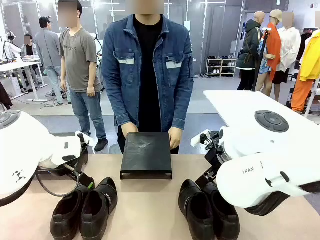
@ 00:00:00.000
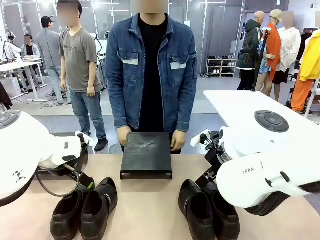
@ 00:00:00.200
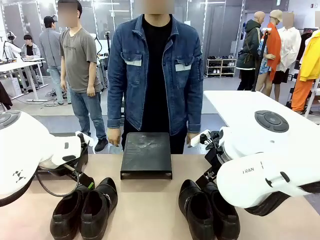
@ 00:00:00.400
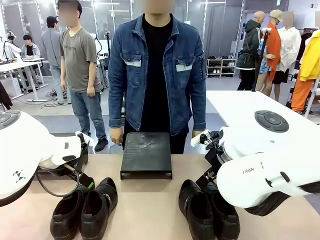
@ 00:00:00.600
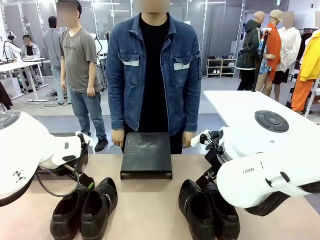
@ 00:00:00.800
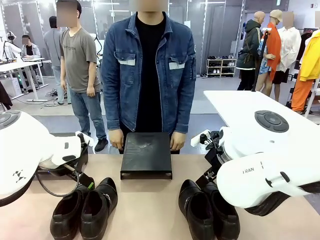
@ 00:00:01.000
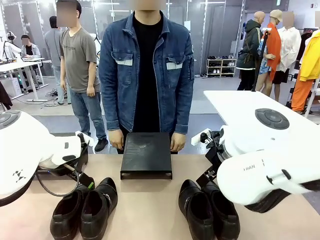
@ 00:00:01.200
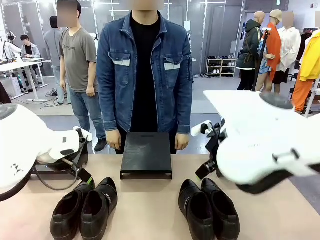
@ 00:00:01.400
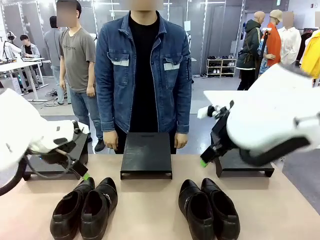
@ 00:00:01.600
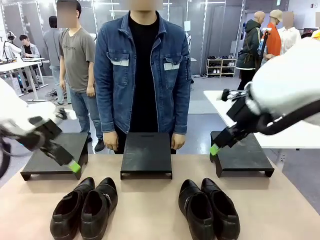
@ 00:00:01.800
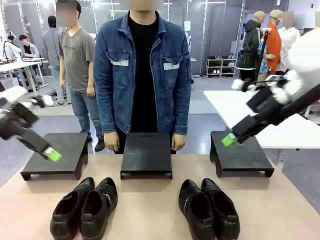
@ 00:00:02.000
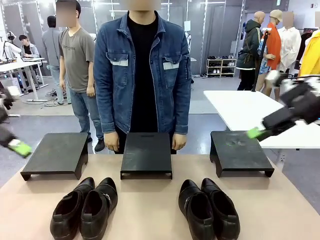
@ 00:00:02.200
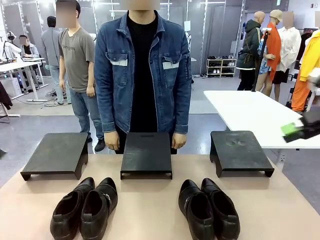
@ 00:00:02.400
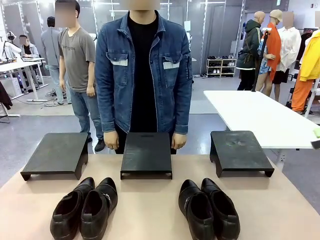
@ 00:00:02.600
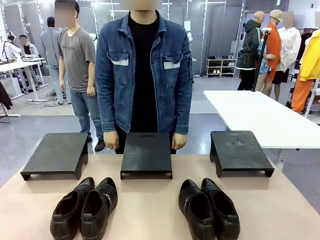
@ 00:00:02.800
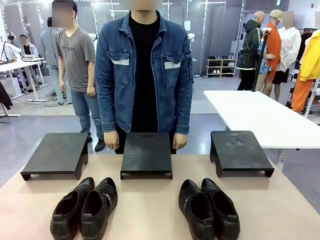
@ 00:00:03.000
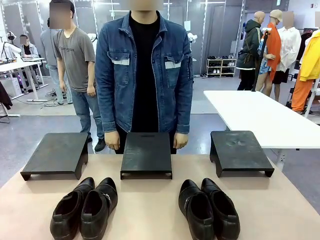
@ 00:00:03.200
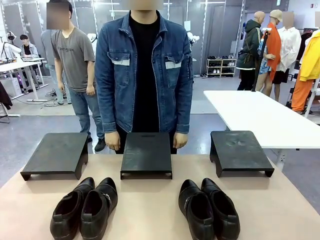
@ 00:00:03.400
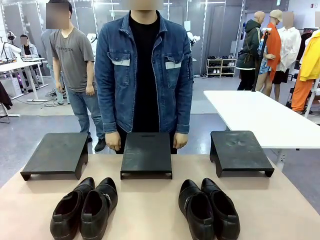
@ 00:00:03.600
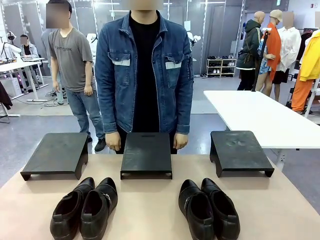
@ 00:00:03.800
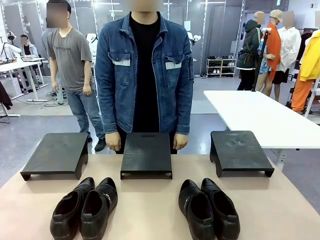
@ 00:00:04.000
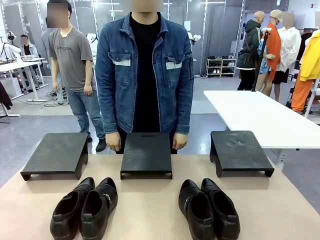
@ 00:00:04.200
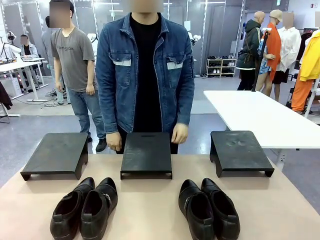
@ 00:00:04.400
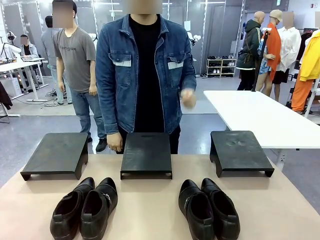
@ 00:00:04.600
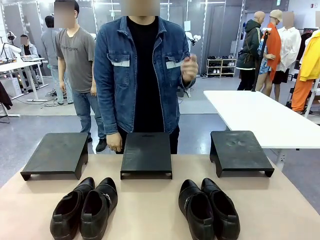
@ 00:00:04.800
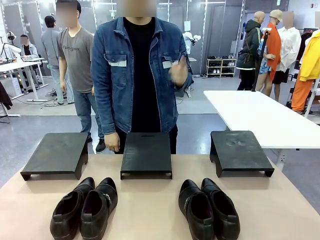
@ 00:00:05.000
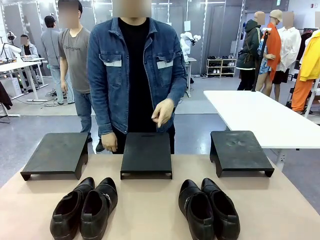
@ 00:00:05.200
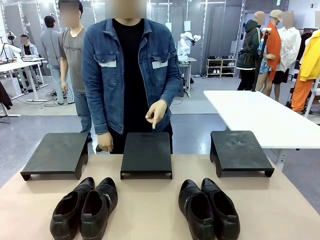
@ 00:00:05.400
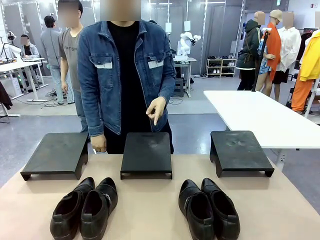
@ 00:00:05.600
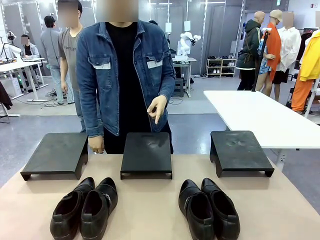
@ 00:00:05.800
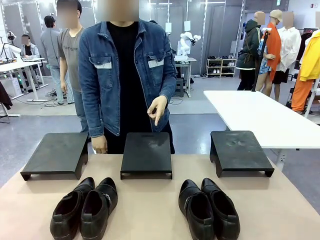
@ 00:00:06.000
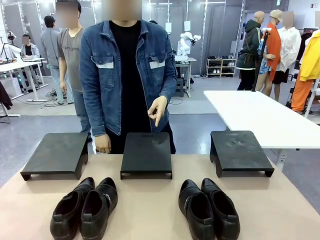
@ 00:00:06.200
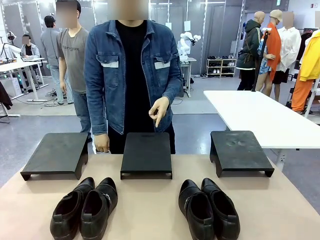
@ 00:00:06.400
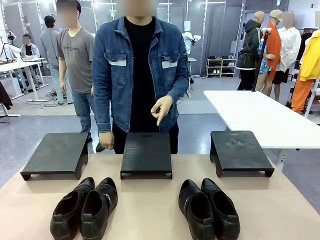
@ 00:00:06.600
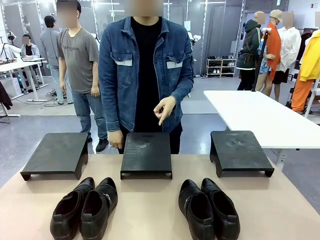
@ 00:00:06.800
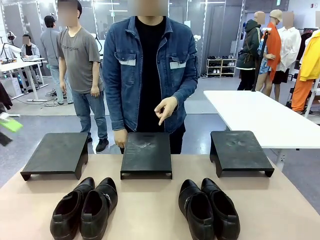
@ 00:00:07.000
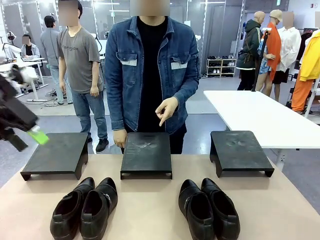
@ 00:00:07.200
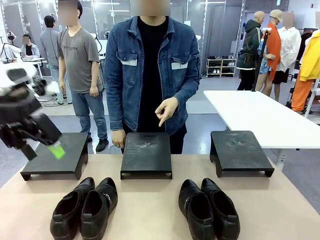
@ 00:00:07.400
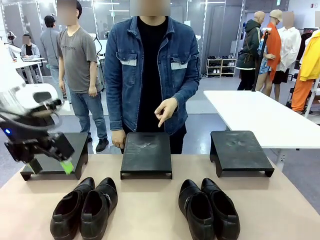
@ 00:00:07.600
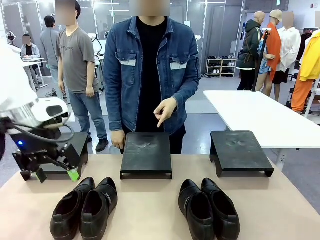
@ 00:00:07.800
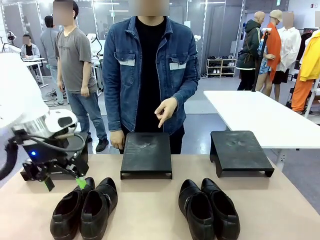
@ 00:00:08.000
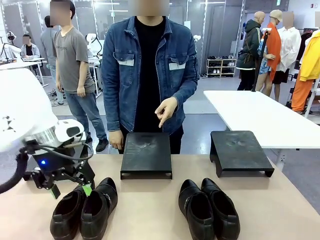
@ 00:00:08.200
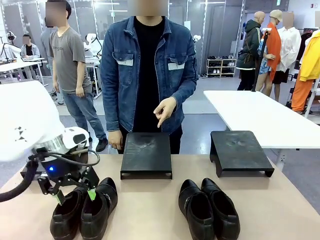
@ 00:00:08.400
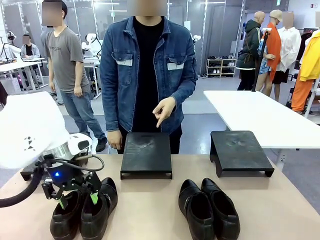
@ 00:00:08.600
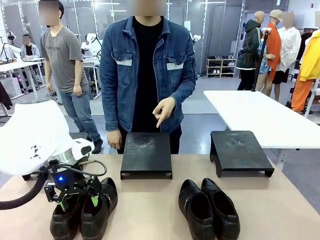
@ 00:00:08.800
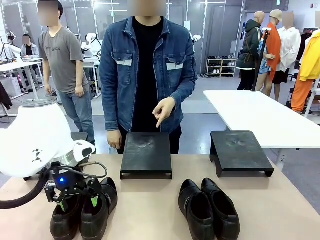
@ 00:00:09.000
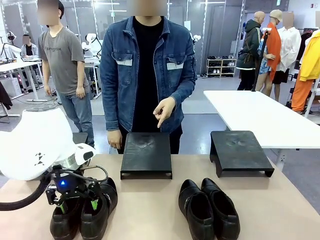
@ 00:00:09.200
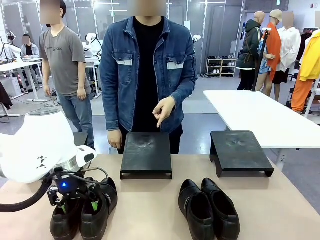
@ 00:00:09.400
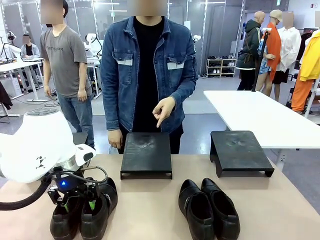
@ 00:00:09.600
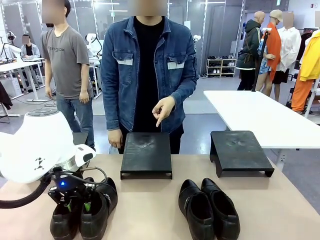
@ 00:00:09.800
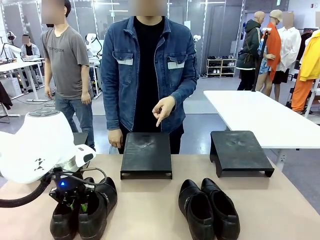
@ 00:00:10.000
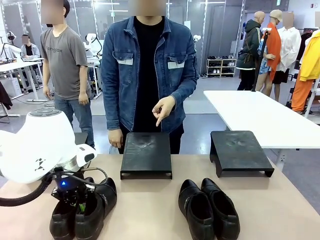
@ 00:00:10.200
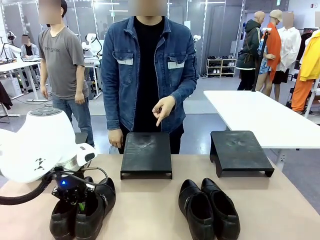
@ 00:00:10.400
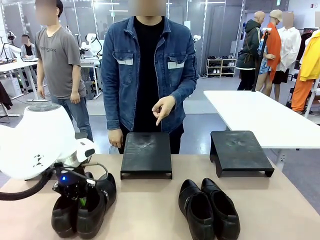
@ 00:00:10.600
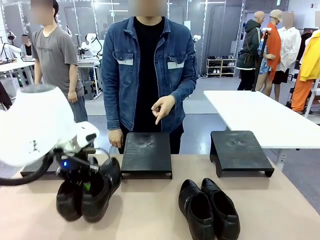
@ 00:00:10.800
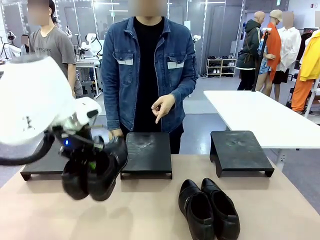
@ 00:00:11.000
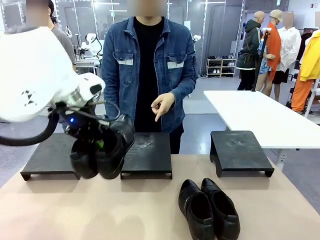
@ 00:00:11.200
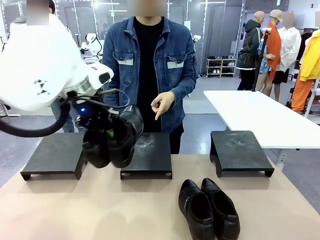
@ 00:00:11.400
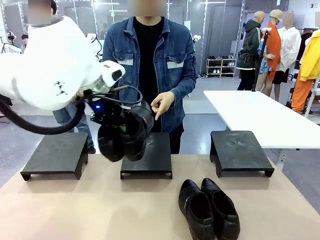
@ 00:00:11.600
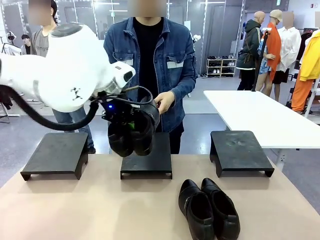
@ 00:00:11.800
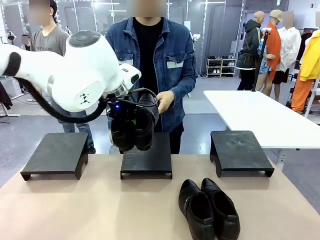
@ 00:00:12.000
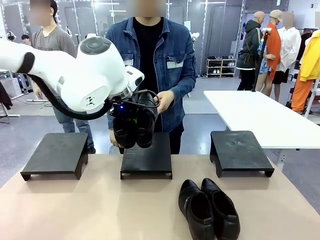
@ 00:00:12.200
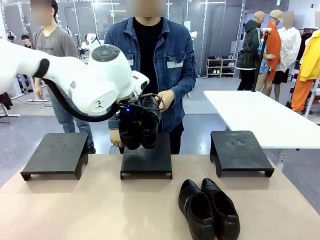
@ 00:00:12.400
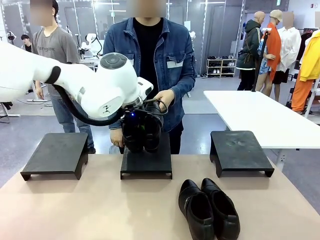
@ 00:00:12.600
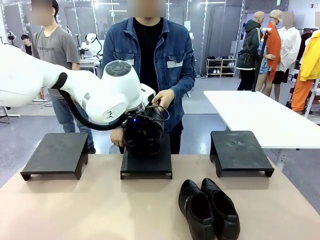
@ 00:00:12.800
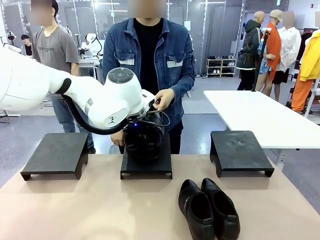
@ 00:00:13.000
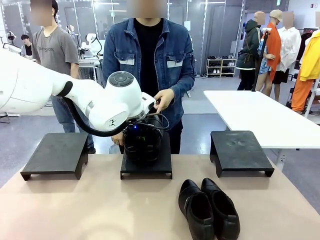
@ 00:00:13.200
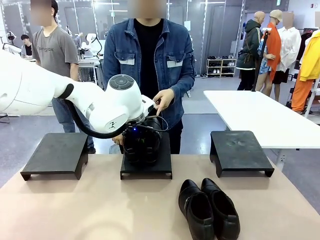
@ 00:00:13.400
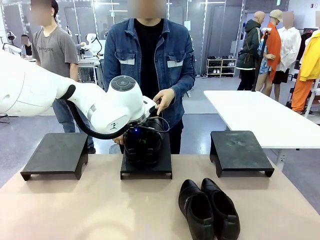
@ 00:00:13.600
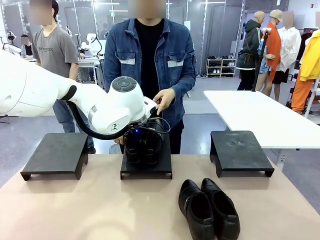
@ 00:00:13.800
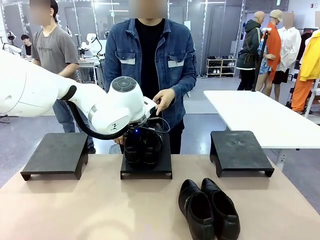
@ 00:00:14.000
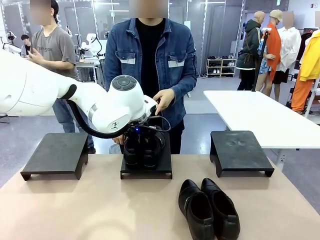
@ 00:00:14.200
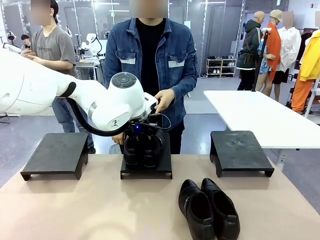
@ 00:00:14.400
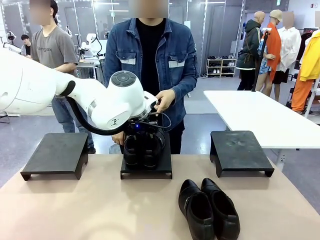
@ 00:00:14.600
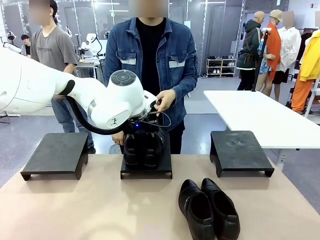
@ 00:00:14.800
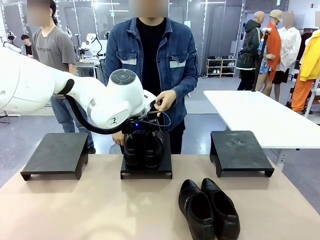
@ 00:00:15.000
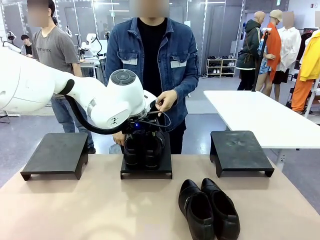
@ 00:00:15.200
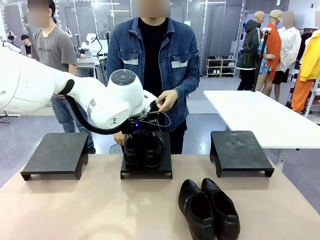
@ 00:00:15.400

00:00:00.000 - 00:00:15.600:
Task: Place the shoes on the stand as instructed by the person.
Robot: Pick up one pair of Shoes and place it on the Shoes Stand indicated by the person.
